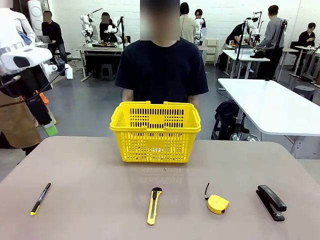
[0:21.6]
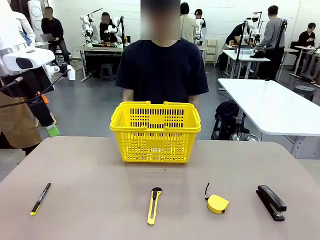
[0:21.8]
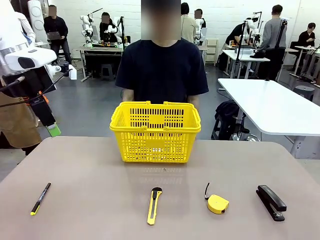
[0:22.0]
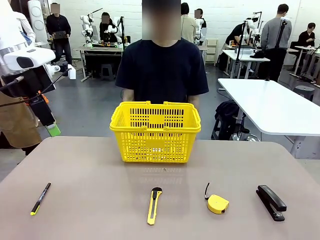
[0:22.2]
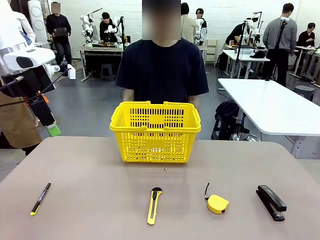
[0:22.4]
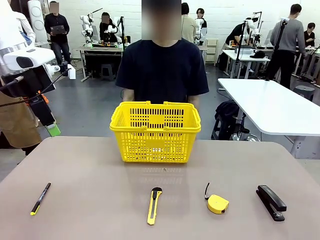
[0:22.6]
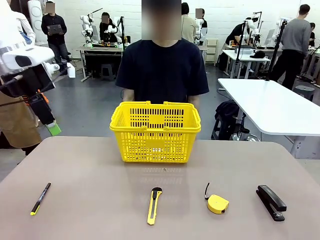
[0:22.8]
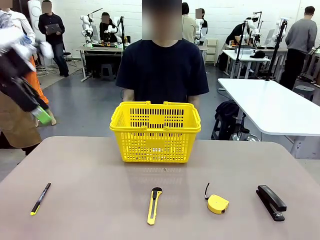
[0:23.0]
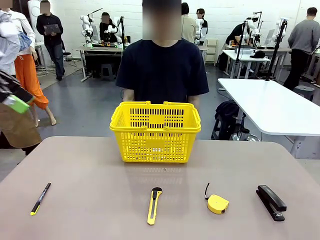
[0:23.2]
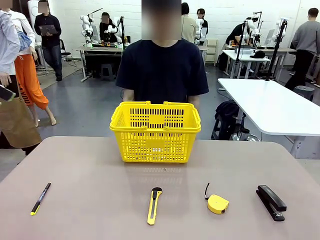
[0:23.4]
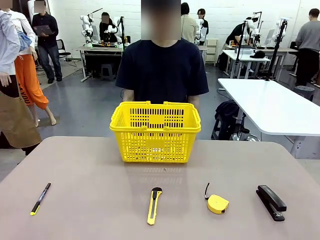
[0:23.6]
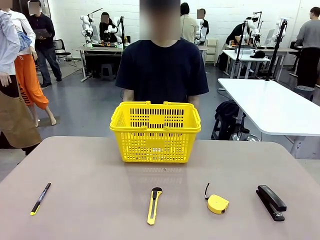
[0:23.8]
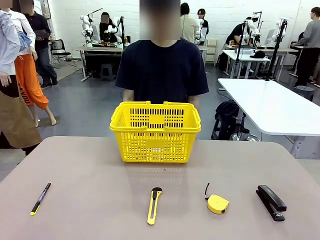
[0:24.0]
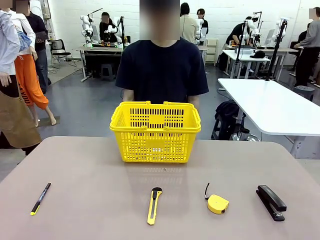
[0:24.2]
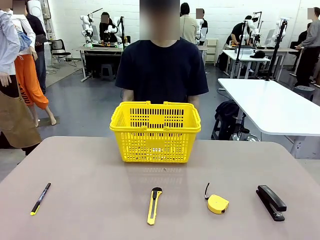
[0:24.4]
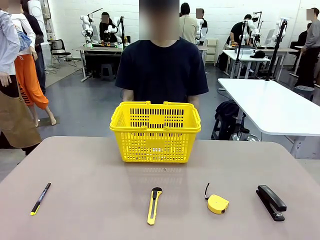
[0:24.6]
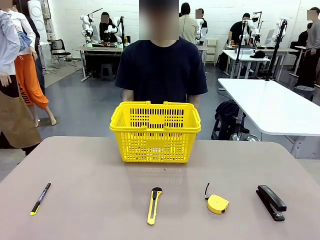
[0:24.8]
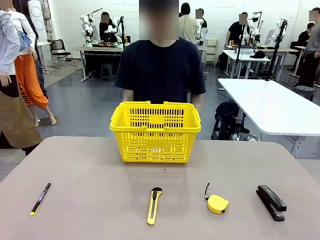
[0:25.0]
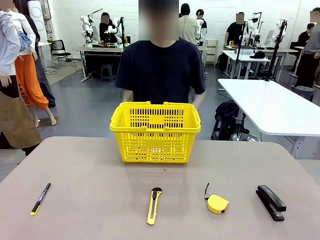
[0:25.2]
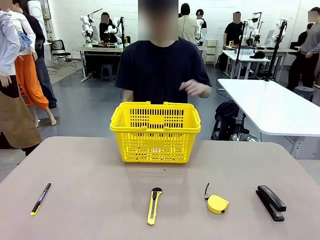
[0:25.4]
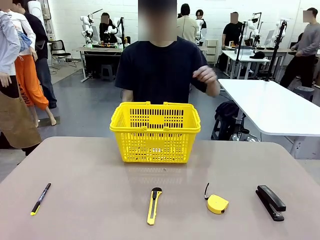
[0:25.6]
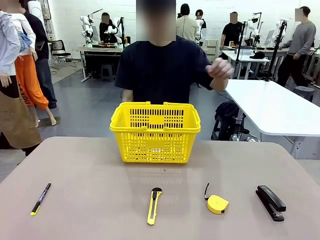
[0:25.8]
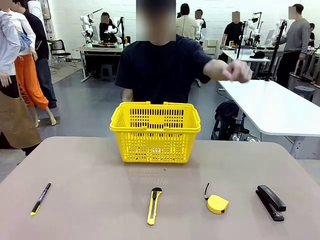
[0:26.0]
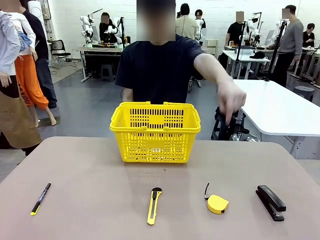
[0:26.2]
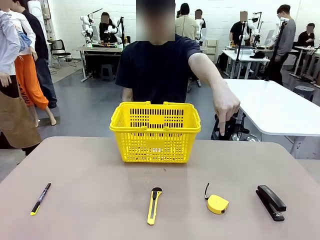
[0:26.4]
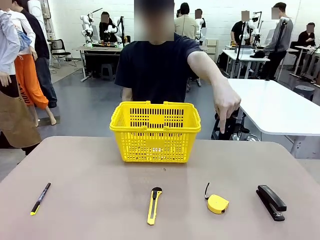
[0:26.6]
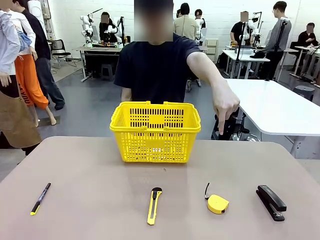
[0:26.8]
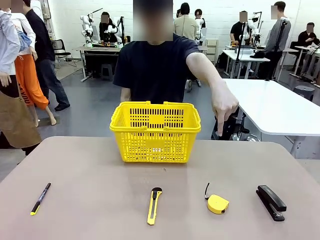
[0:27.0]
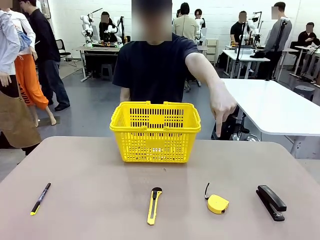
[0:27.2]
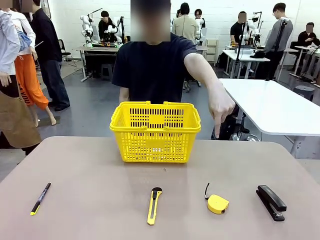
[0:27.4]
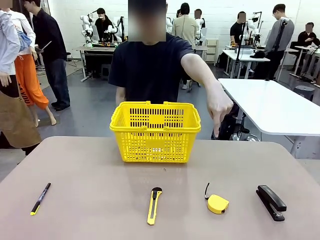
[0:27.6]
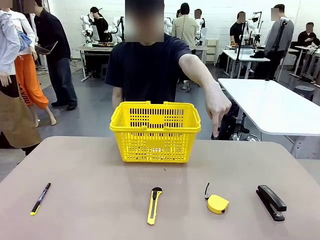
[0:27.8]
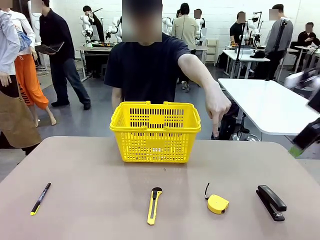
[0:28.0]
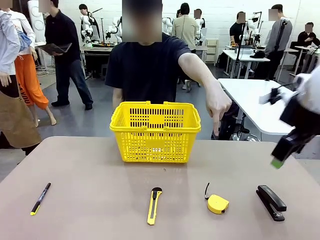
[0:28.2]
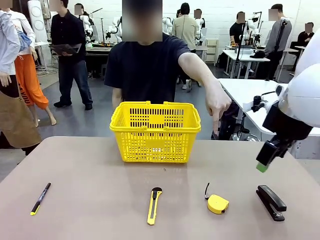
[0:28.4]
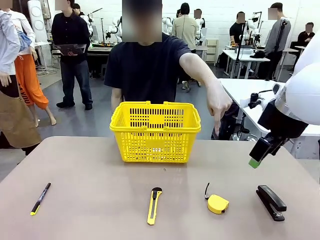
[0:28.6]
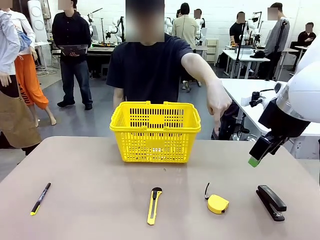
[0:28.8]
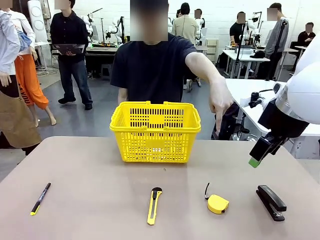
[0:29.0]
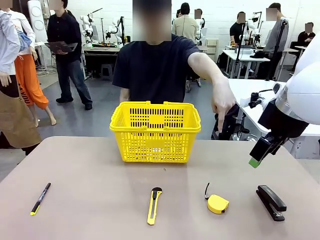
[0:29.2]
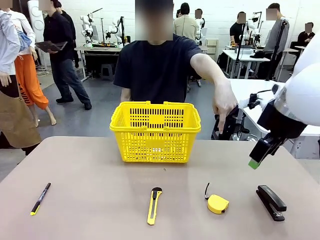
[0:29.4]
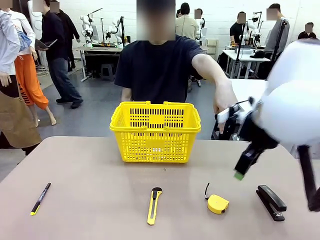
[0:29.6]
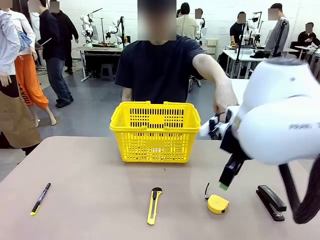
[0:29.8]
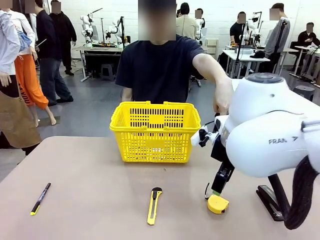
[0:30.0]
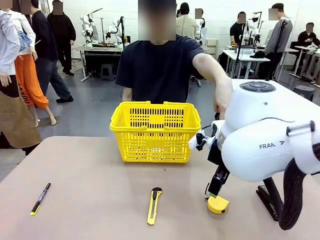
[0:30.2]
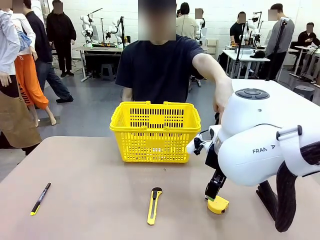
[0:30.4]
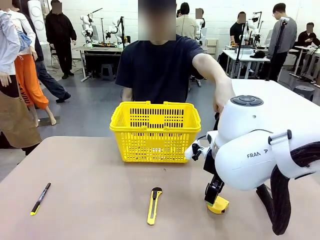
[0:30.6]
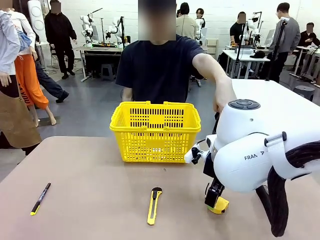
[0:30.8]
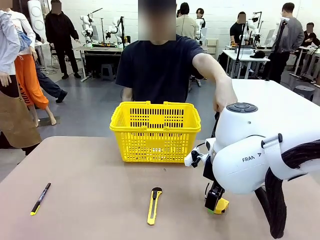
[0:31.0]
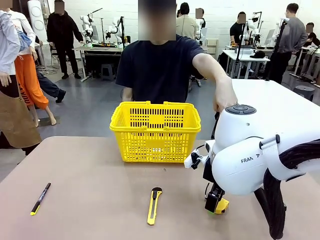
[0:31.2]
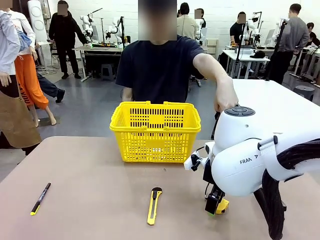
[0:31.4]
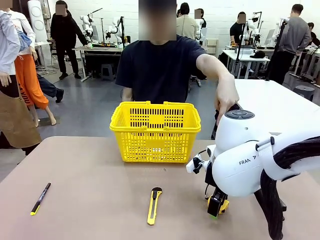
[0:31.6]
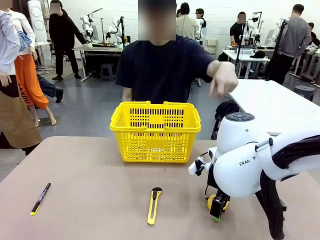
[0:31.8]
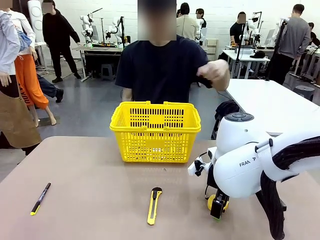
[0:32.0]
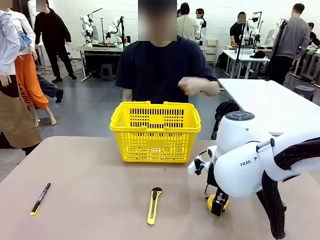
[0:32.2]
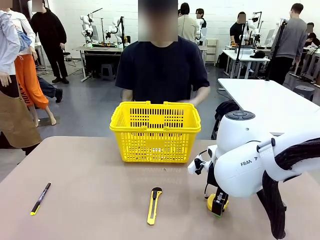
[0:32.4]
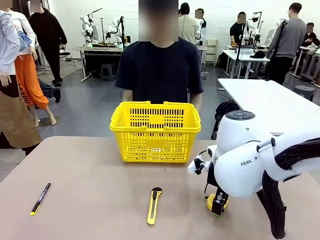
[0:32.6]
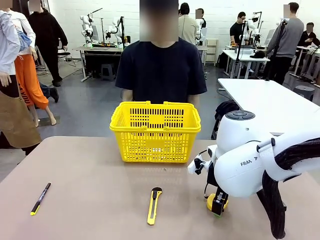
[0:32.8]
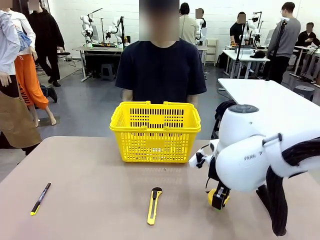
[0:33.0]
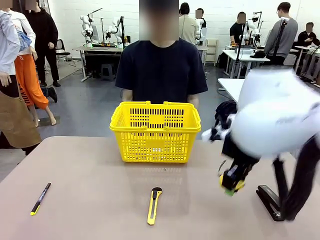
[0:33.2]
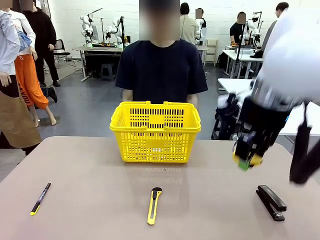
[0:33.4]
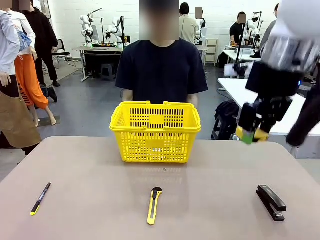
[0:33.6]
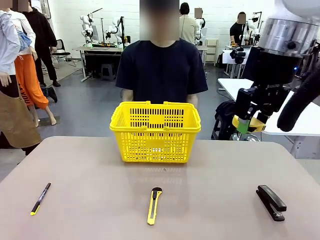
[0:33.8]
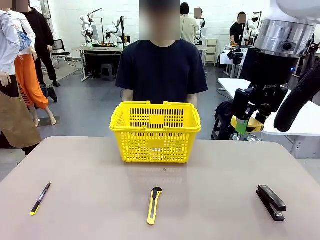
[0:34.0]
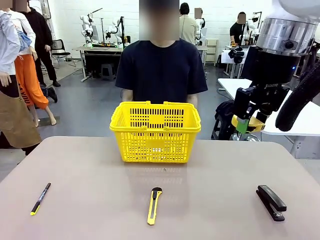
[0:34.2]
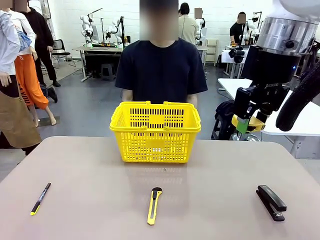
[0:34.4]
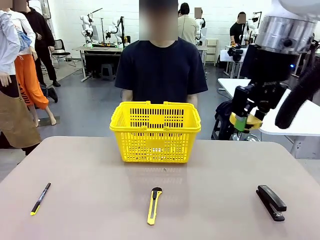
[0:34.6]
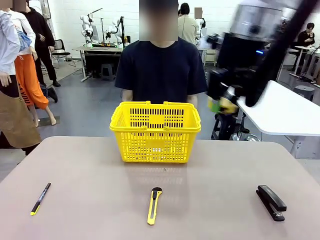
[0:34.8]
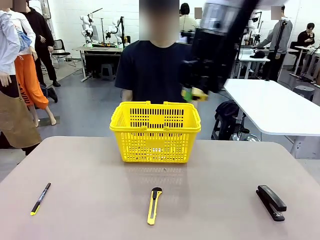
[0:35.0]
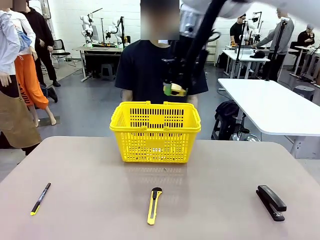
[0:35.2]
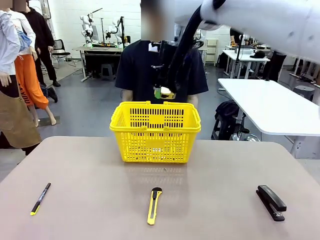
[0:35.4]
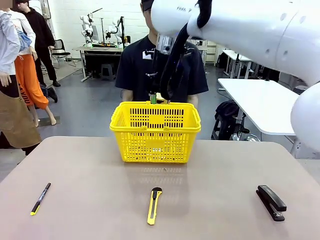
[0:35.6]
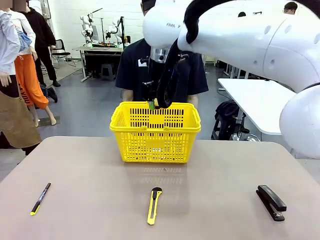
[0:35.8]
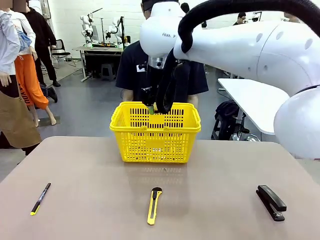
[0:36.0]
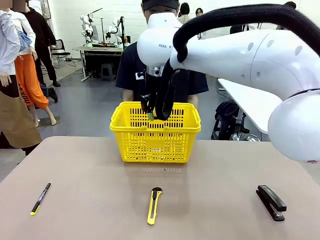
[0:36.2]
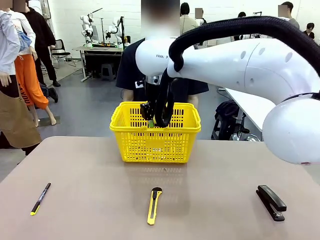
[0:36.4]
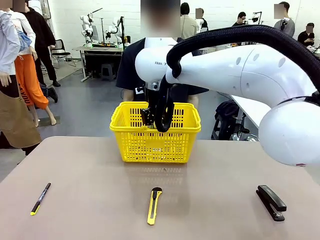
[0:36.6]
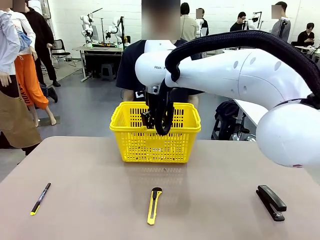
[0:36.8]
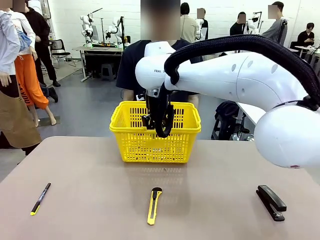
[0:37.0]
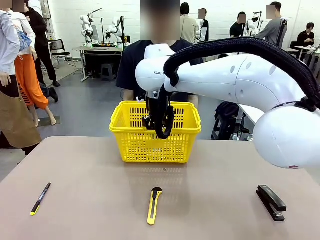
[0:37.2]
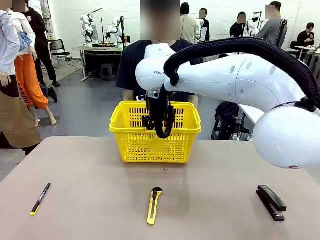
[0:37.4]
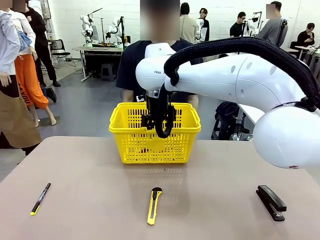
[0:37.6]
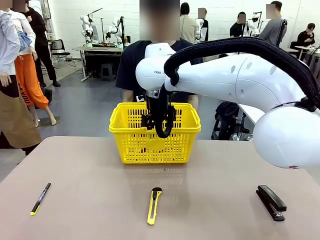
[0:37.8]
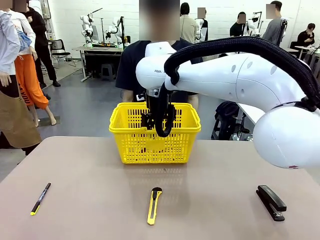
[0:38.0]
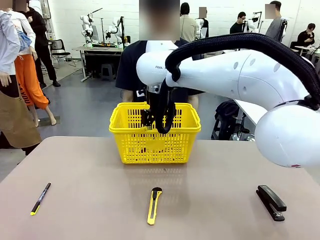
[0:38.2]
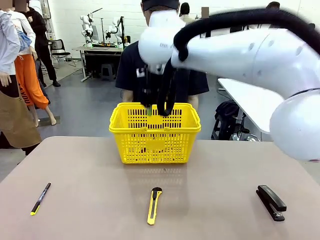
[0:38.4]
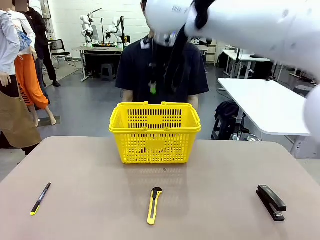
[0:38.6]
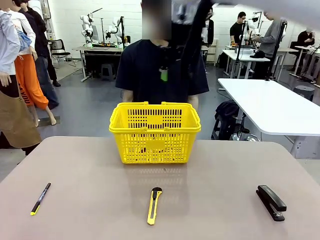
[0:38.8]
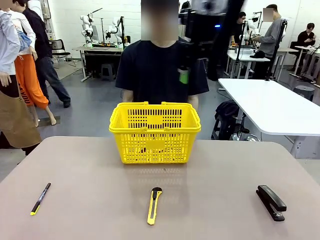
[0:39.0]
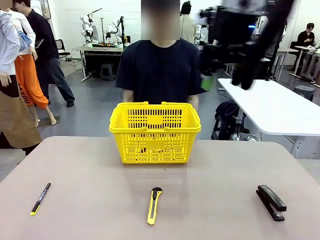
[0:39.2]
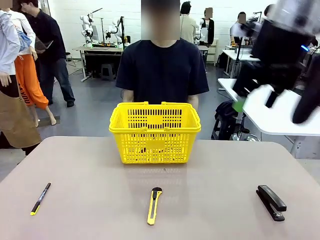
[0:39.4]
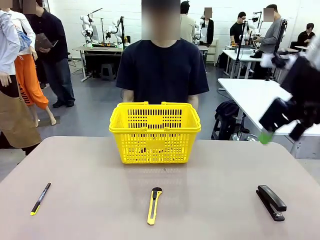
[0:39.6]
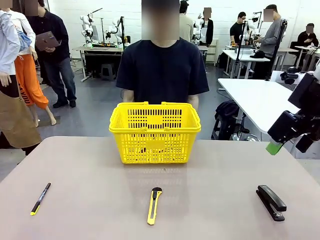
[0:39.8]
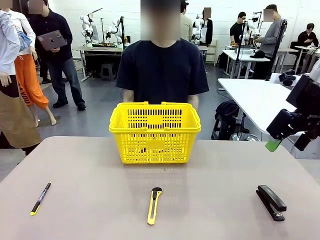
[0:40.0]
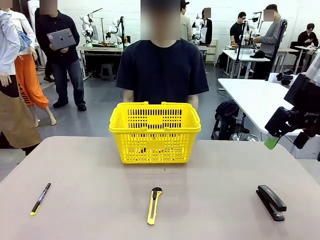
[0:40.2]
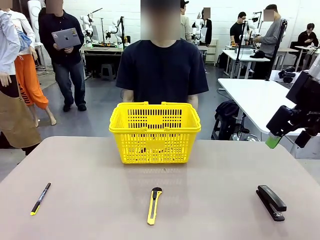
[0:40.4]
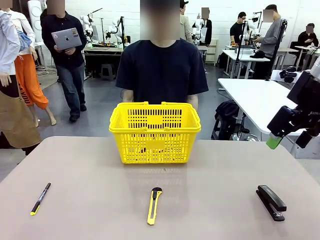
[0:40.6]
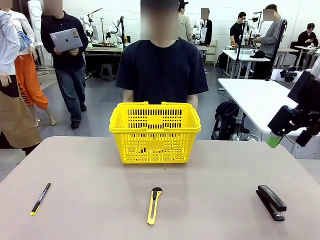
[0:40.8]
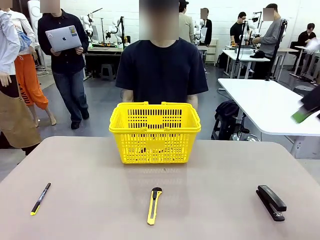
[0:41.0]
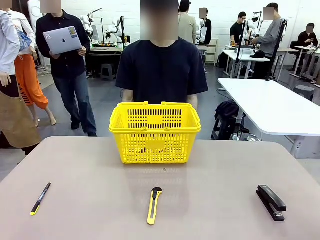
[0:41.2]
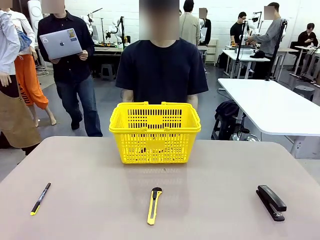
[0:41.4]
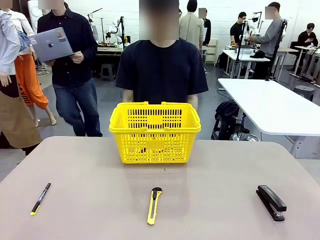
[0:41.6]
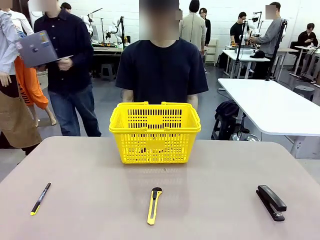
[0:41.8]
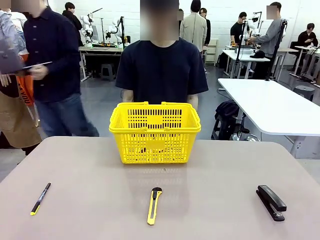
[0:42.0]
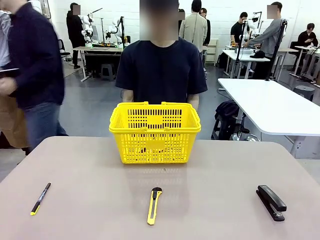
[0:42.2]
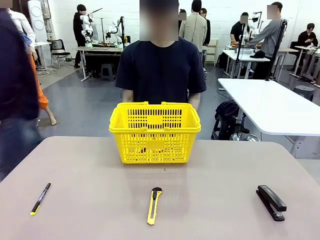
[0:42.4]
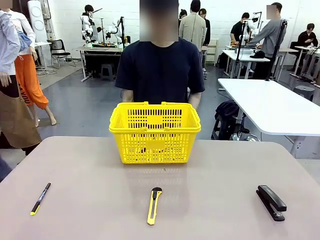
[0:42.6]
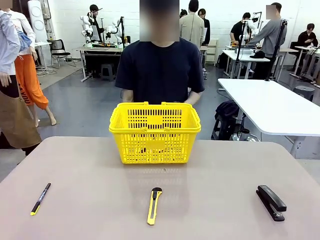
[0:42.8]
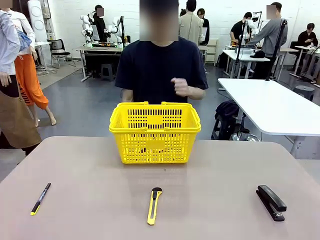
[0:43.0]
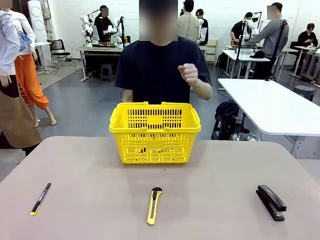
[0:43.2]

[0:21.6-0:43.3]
Task: Place the items the person wants into the basket.
Robot: Pick up the item the person points to and place it in the Market Basket.
